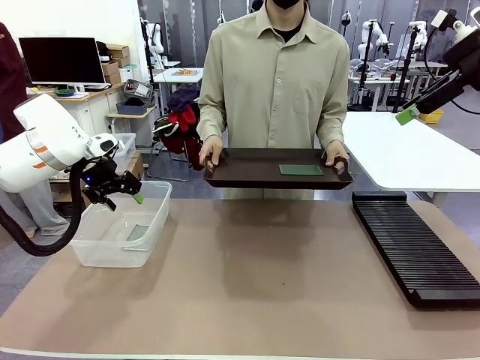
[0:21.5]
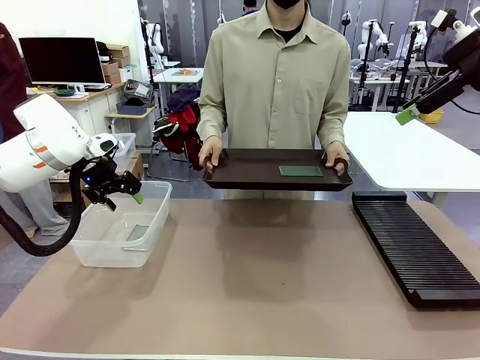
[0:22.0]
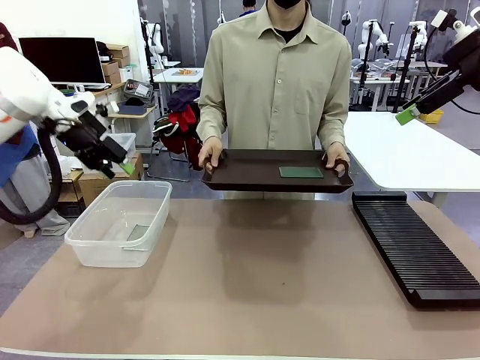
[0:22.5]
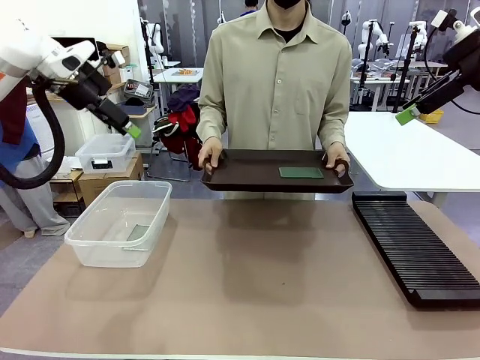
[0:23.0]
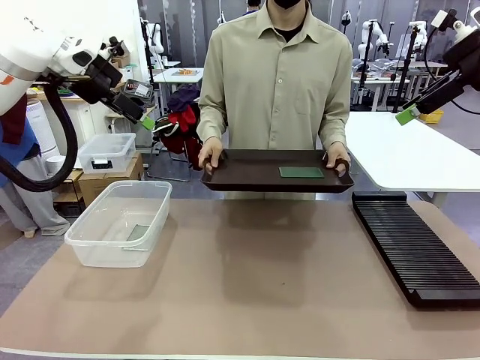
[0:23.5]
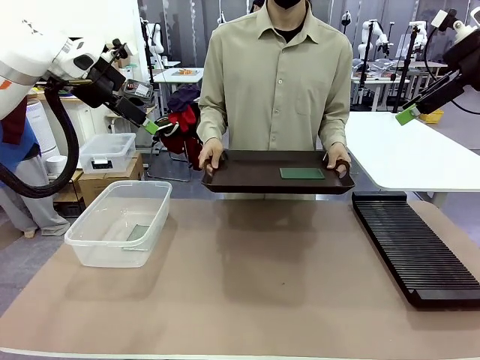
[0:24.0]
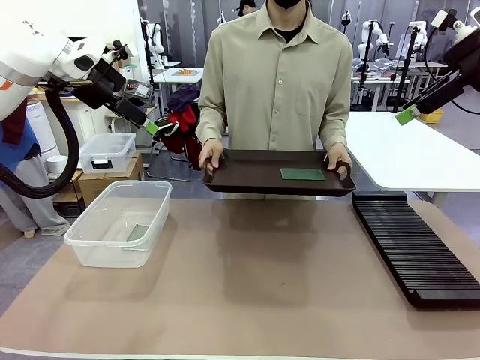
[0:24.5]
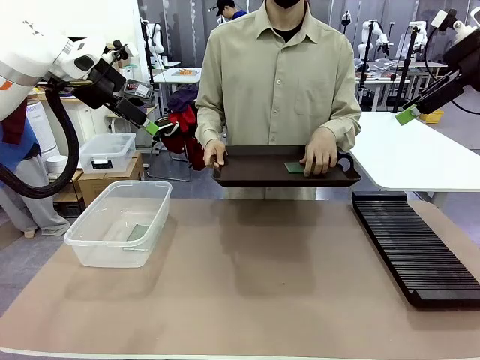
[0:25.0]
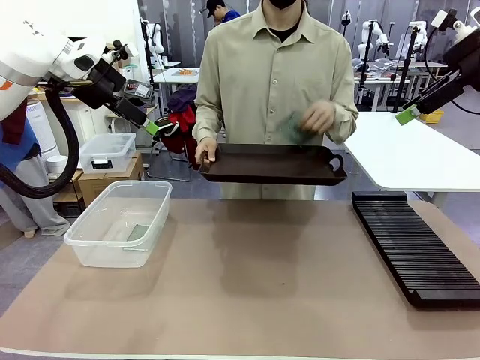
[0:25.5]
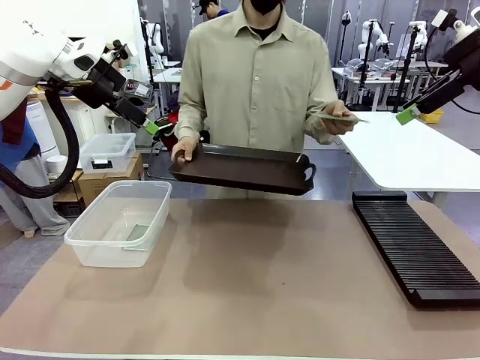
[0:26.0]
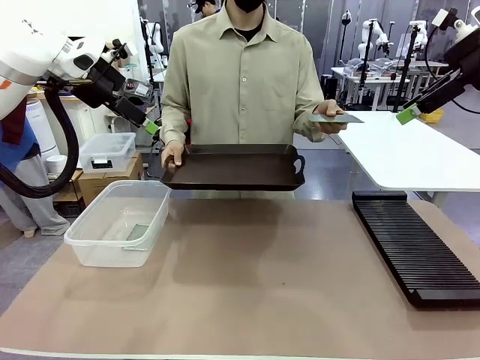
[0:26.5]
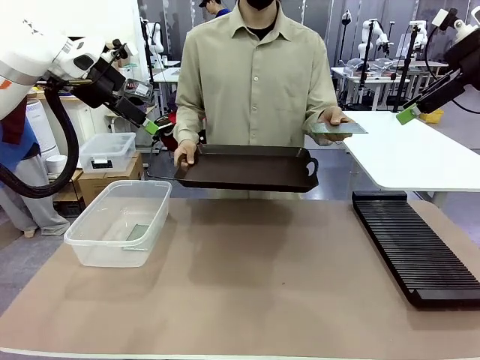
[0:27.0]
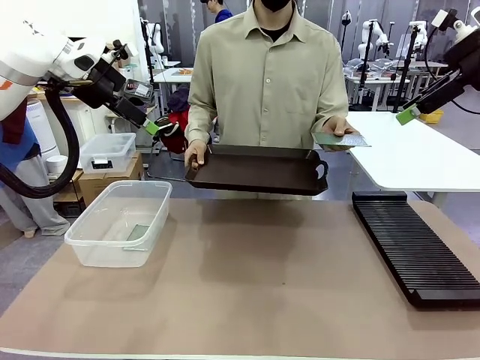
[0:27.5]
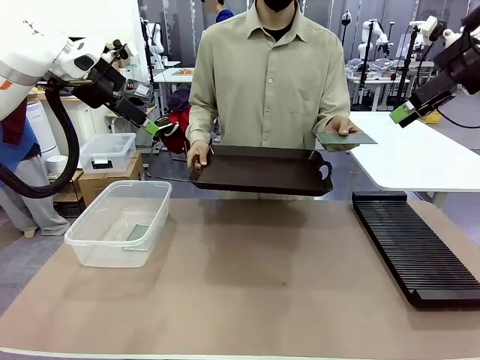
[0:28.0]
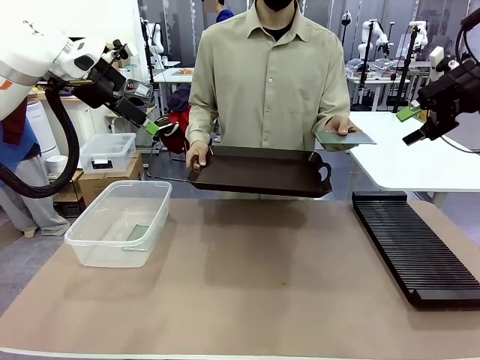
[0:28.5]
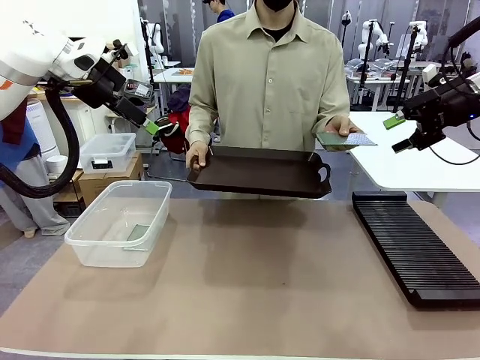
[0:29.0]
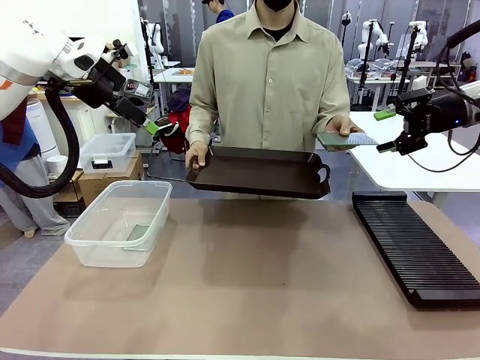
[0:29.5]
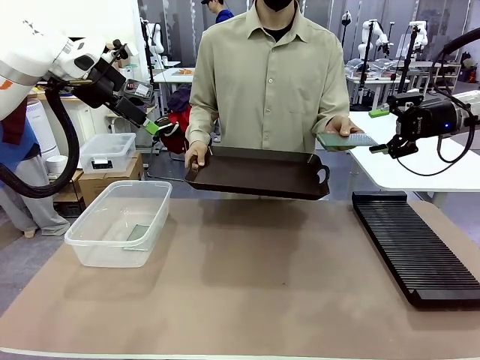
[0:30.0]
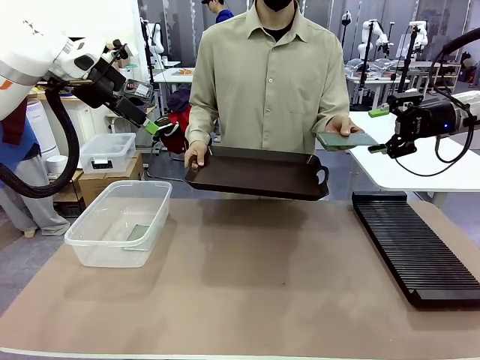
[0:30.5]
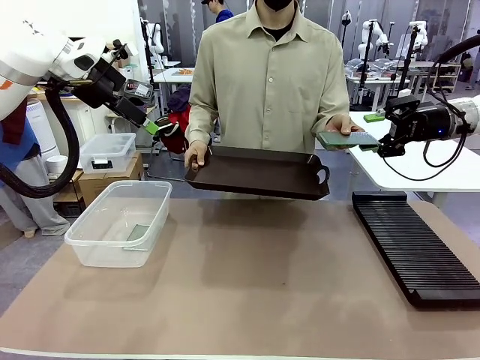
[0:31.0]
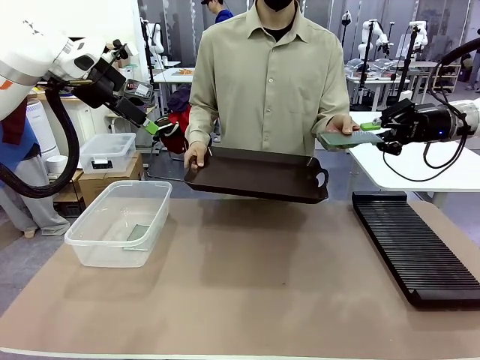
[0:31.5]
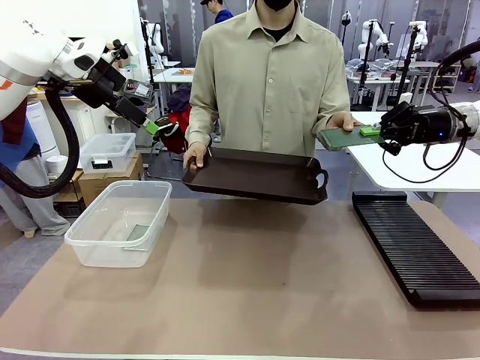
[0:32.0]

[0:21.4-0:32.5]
Task: Sort PCBs into racks and boxes based on the side picked up.
Robot: Pick up the Blank PCB handed by the Human.
Person: Pick one PCB from the tray and present it to the robot.

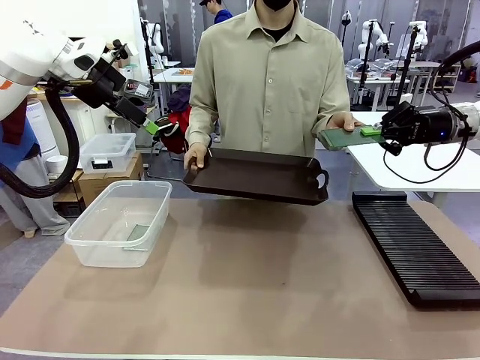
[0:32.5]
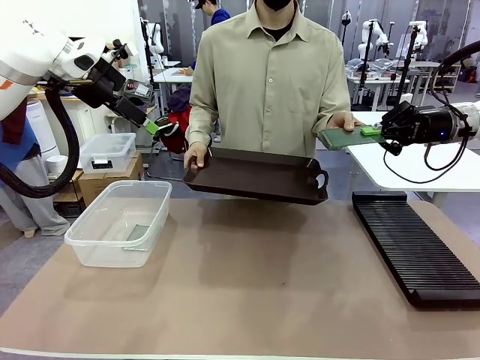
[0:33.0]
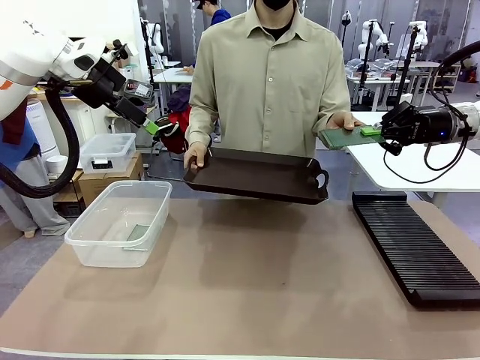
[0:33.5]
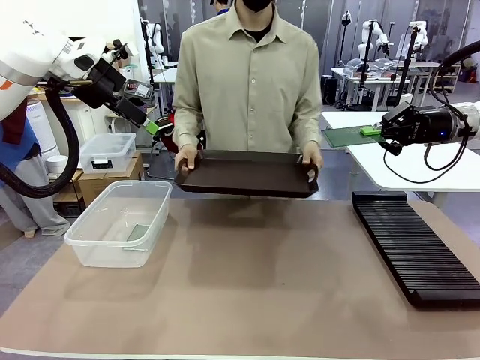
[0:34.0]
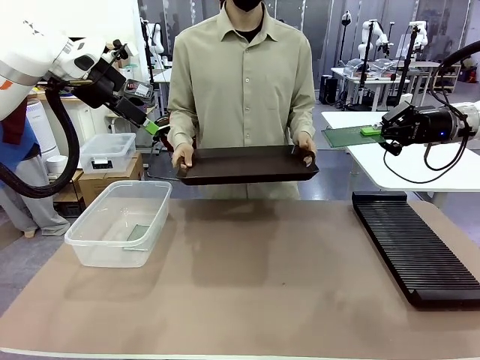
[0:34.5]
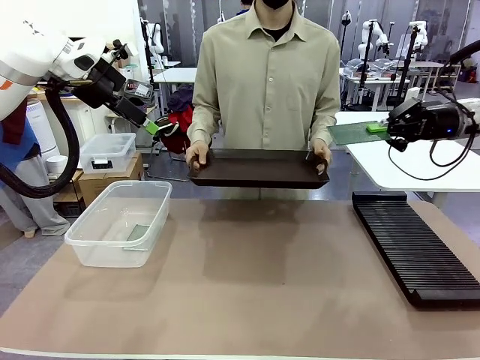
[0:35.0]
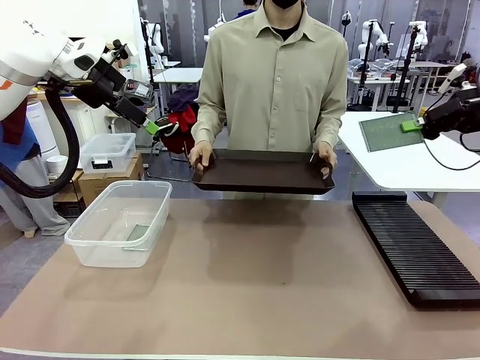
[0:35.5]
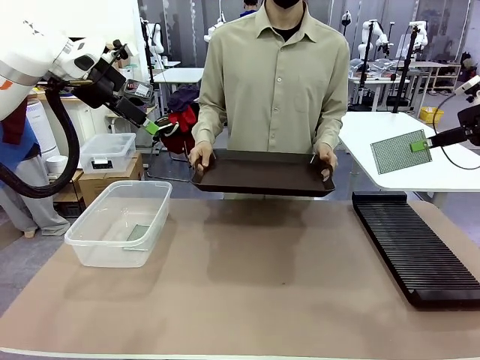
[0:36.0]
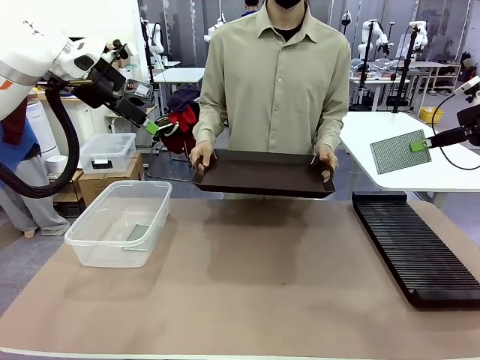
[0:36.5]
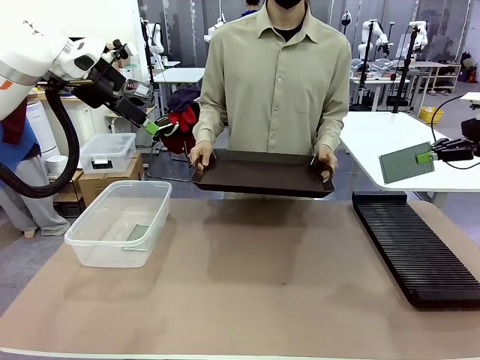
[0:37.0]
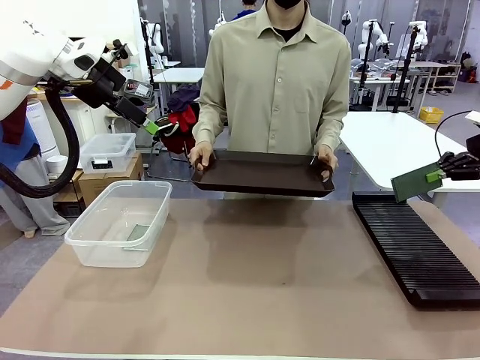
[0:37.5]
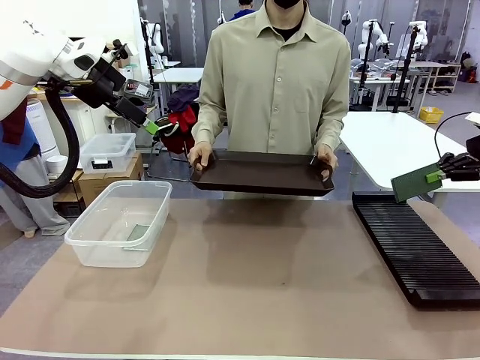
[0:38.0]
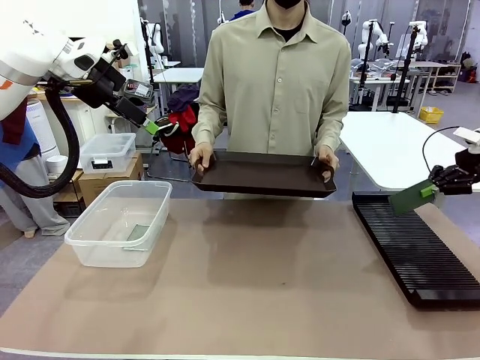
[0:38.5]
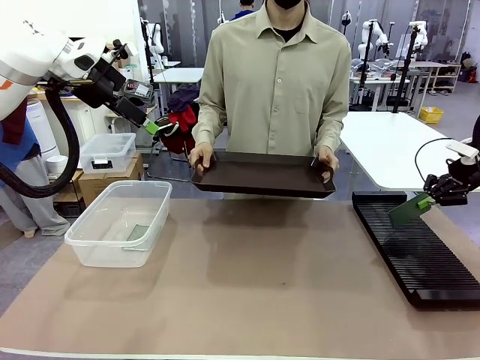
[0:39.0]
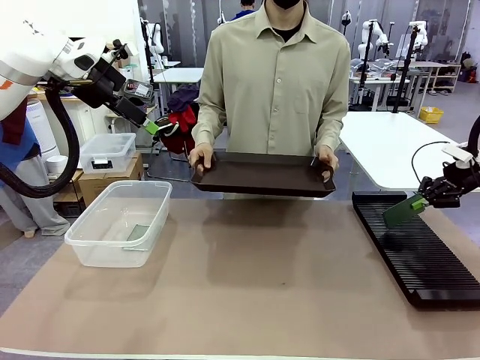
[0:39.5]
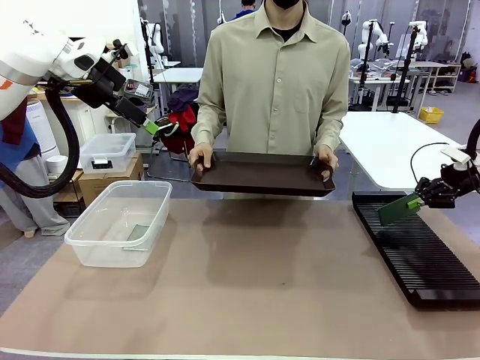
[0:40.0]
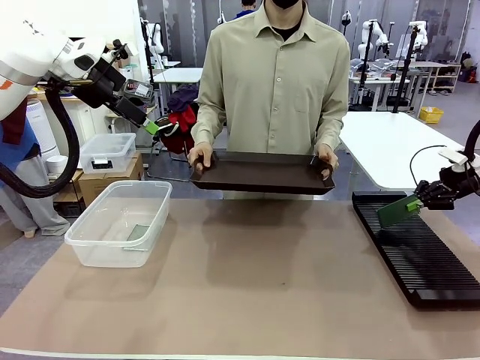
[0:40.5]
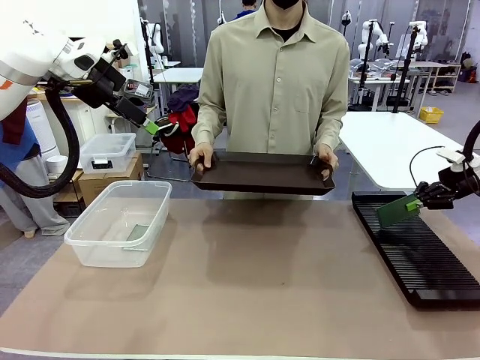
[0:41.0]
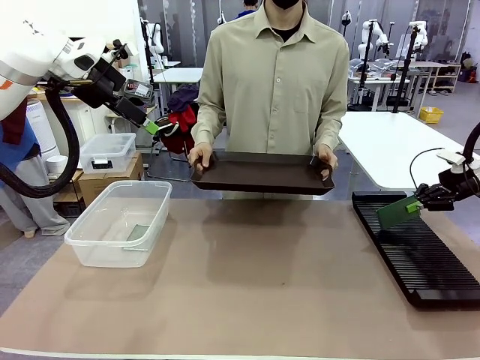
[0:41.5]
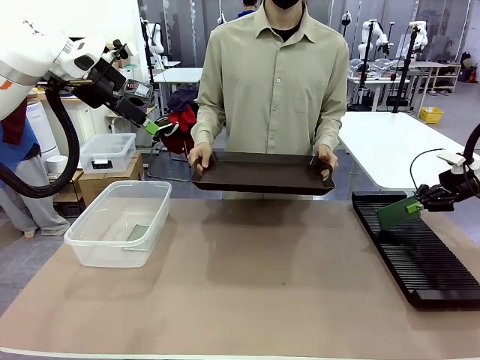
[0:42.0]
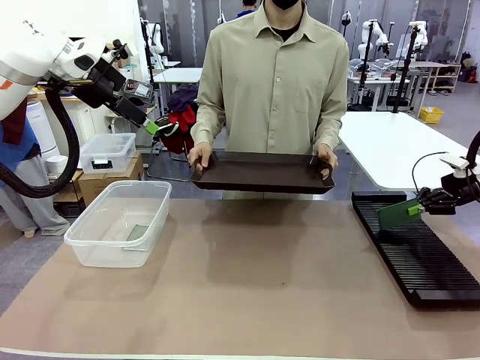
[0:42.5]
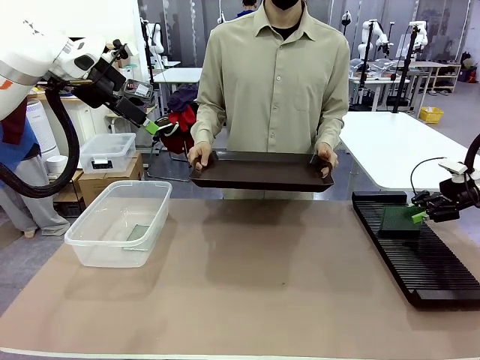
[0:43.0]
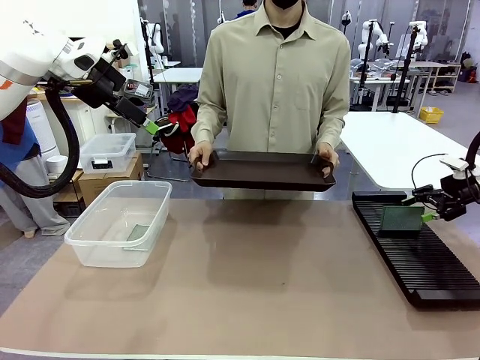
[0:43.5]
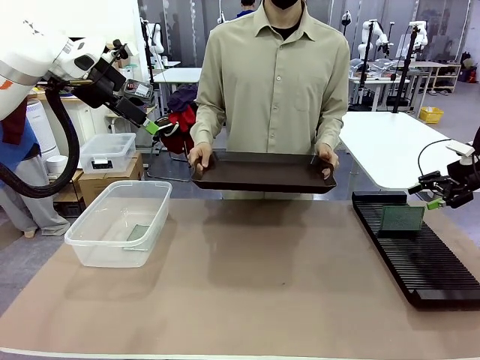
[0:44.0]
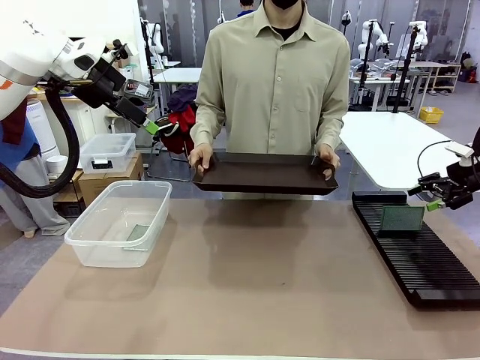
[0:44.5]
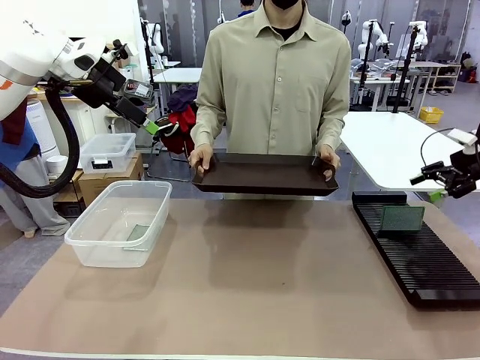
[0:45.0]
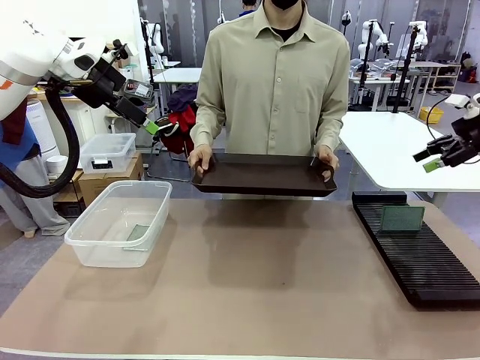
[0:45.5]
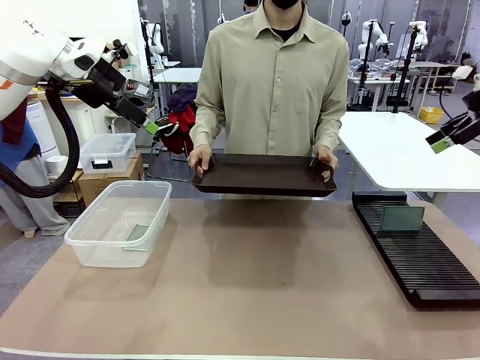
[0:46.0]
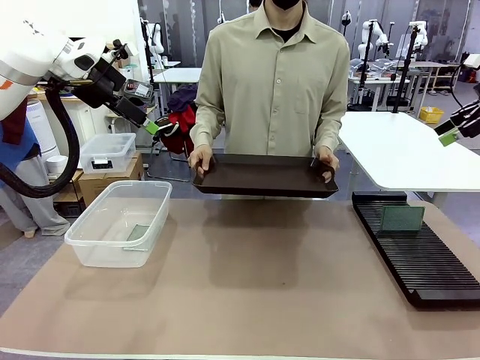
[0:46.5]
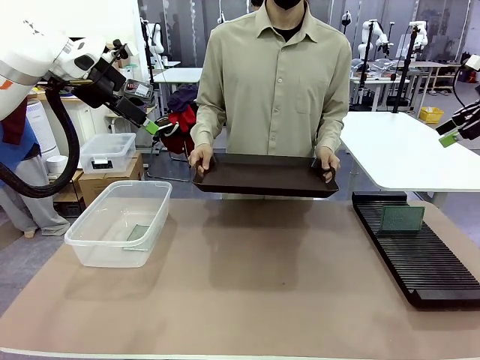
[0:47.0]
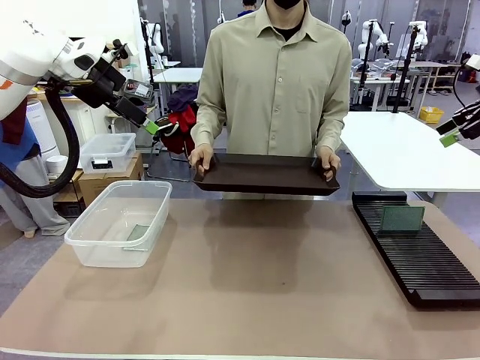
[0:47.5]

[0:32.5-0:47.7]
Robot: If the short side of the Blank PCB is picked up, insert it into the PCB Rack ; if the long side is picked up, place it in the Organizing box.
Person: Release the PCB being held.
